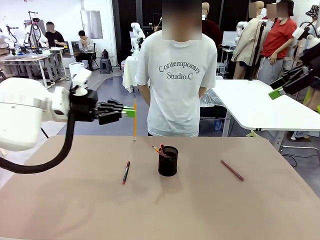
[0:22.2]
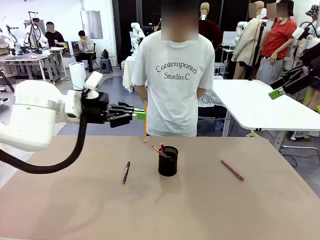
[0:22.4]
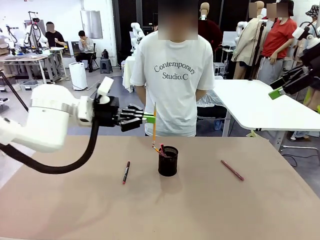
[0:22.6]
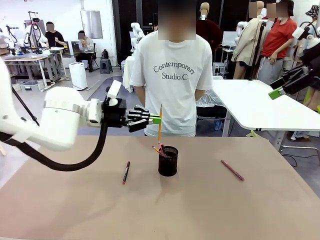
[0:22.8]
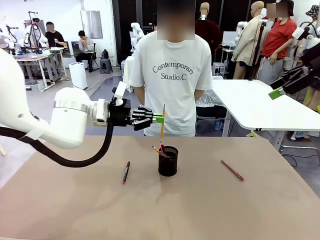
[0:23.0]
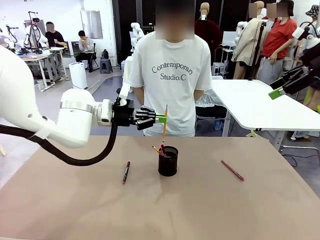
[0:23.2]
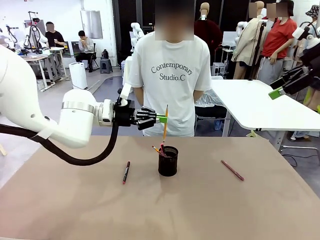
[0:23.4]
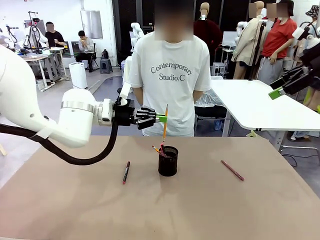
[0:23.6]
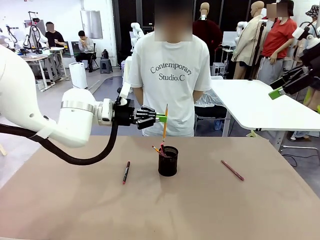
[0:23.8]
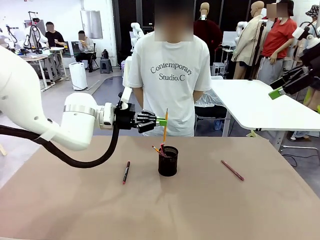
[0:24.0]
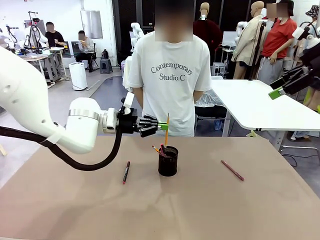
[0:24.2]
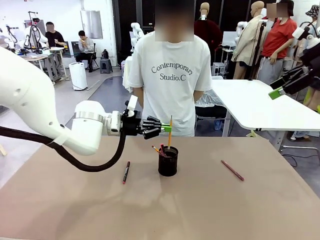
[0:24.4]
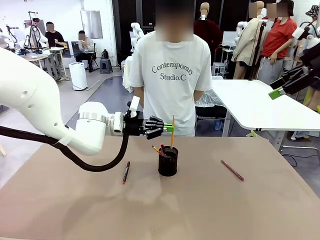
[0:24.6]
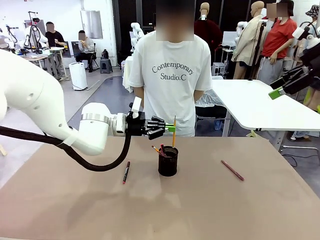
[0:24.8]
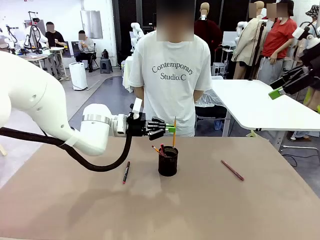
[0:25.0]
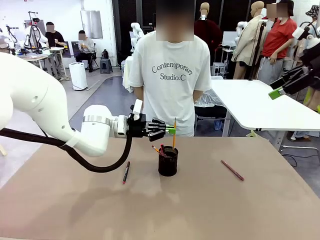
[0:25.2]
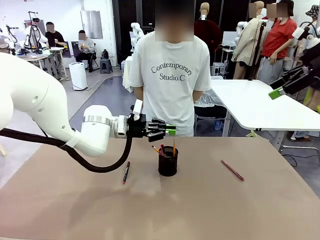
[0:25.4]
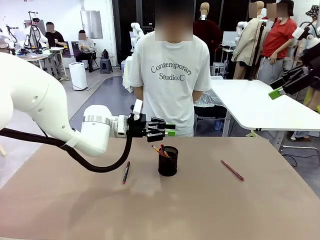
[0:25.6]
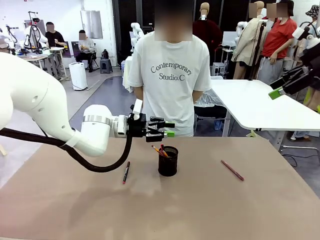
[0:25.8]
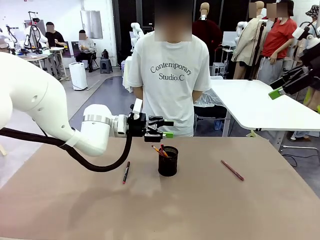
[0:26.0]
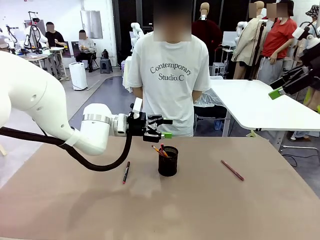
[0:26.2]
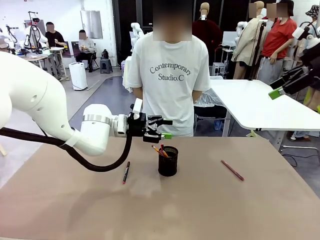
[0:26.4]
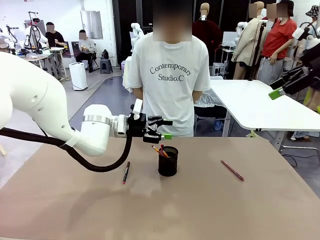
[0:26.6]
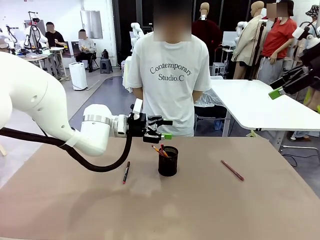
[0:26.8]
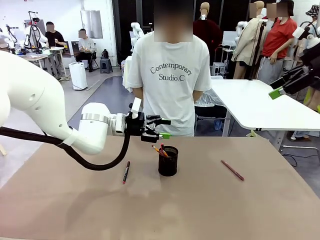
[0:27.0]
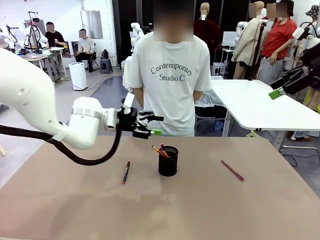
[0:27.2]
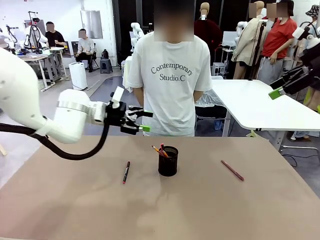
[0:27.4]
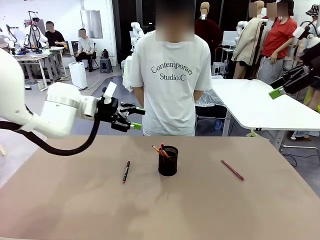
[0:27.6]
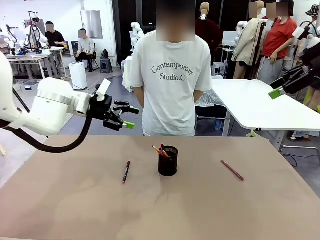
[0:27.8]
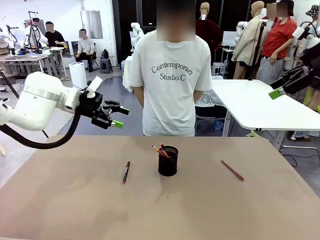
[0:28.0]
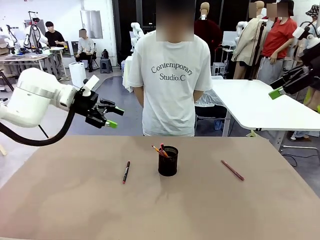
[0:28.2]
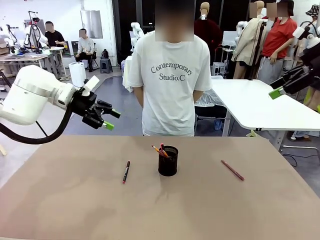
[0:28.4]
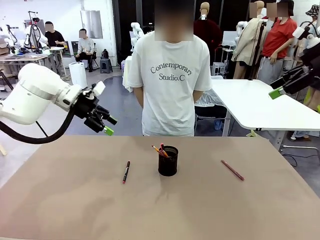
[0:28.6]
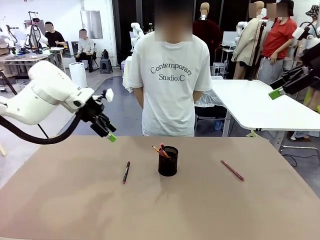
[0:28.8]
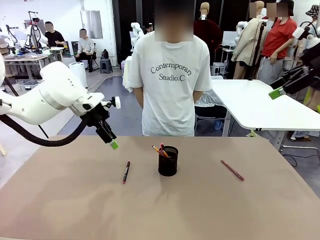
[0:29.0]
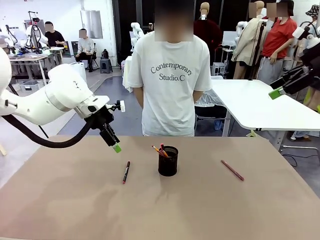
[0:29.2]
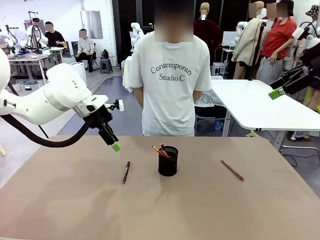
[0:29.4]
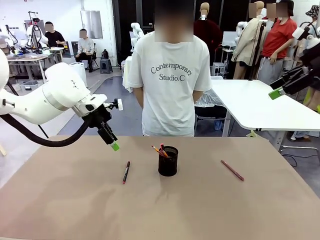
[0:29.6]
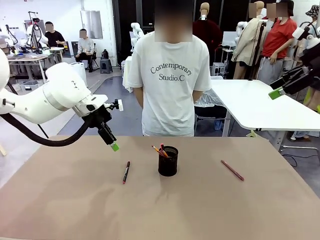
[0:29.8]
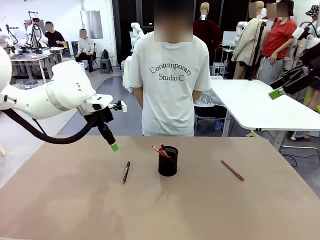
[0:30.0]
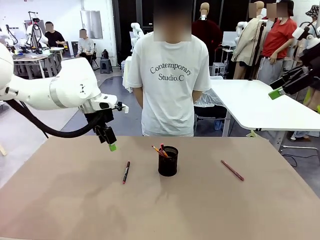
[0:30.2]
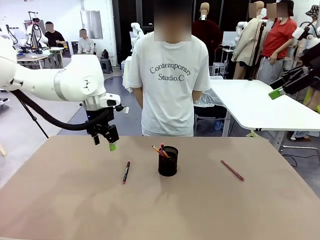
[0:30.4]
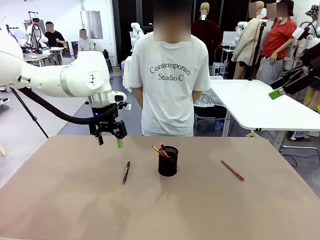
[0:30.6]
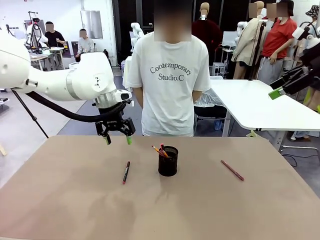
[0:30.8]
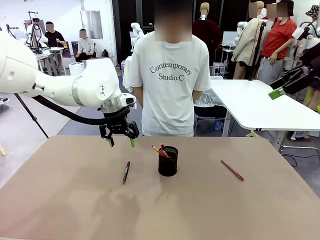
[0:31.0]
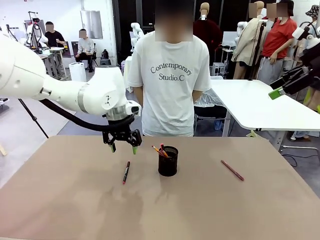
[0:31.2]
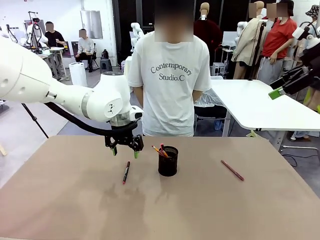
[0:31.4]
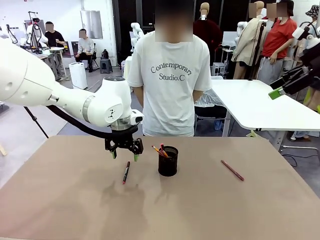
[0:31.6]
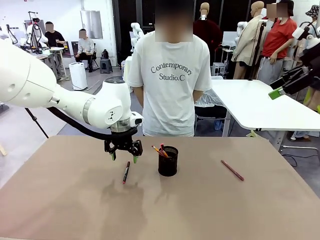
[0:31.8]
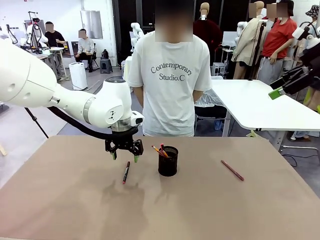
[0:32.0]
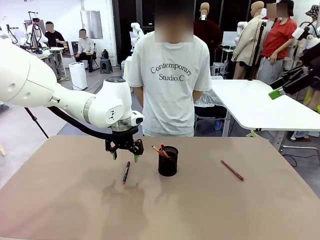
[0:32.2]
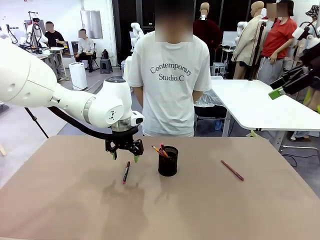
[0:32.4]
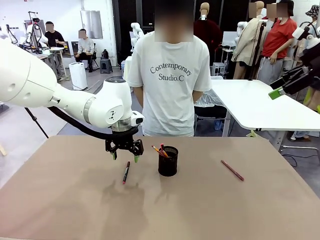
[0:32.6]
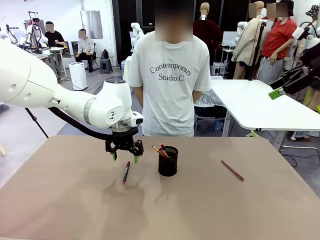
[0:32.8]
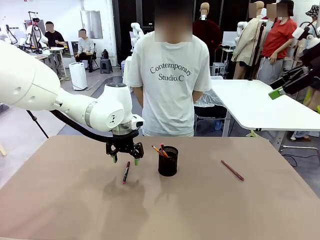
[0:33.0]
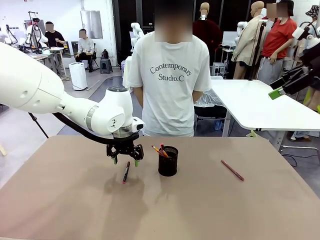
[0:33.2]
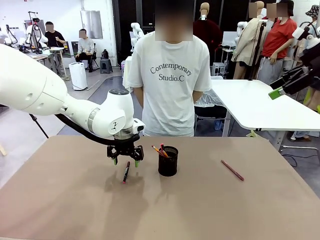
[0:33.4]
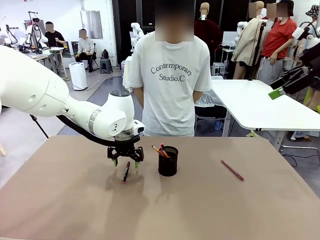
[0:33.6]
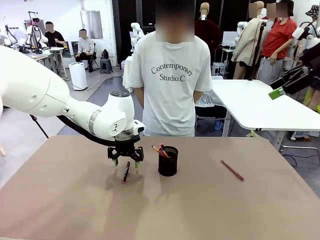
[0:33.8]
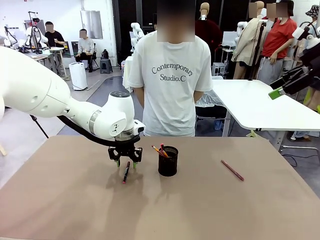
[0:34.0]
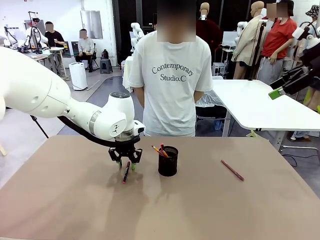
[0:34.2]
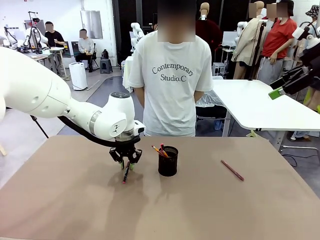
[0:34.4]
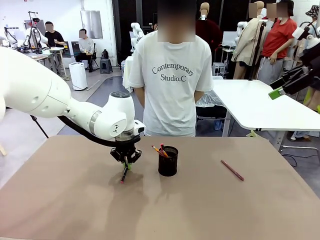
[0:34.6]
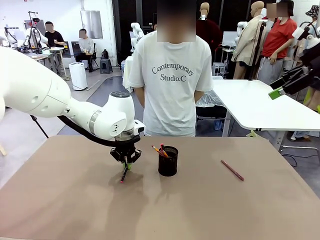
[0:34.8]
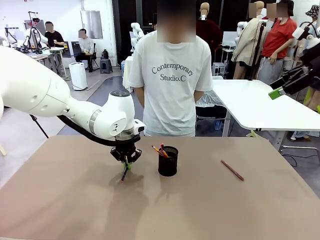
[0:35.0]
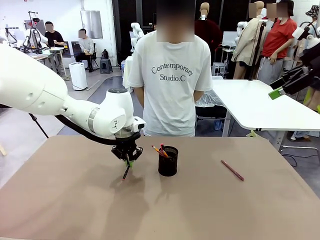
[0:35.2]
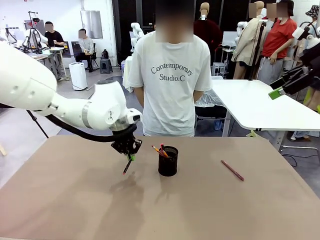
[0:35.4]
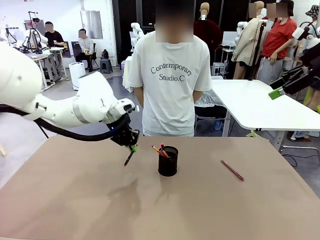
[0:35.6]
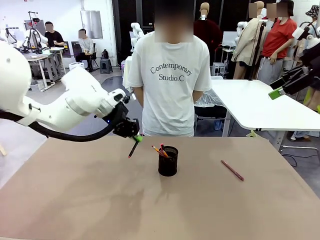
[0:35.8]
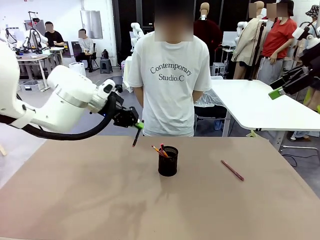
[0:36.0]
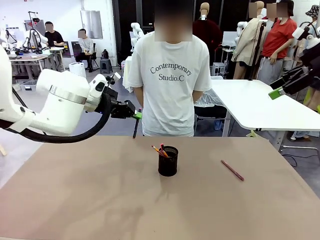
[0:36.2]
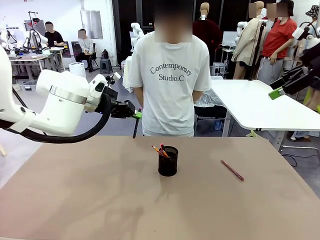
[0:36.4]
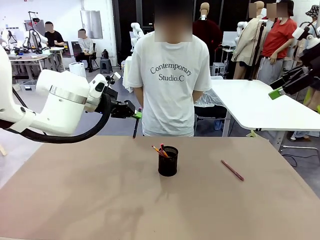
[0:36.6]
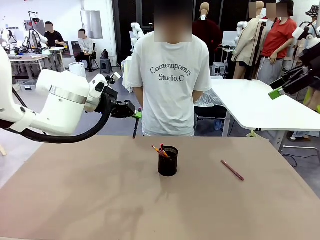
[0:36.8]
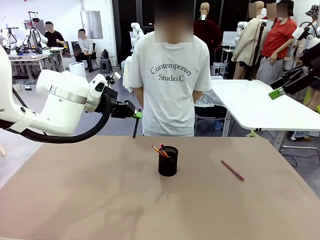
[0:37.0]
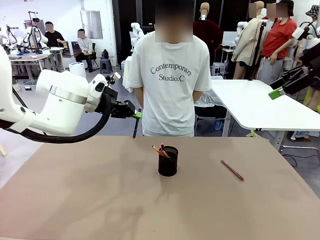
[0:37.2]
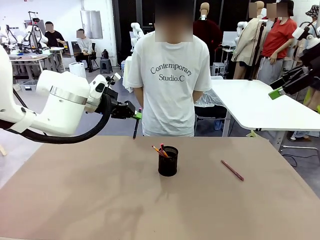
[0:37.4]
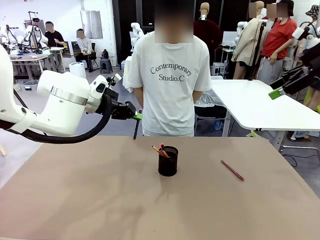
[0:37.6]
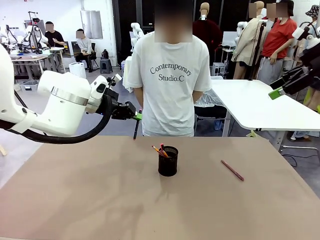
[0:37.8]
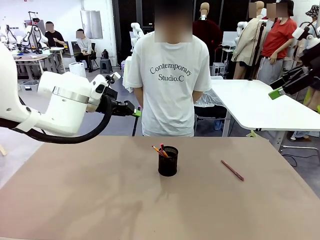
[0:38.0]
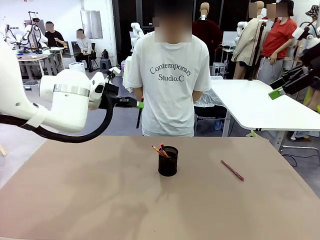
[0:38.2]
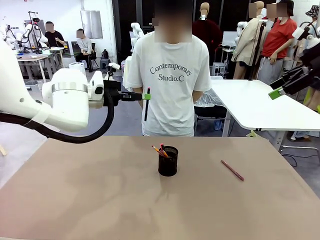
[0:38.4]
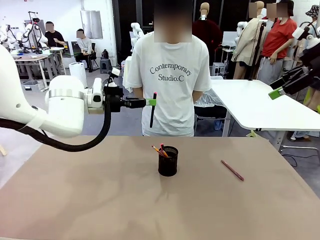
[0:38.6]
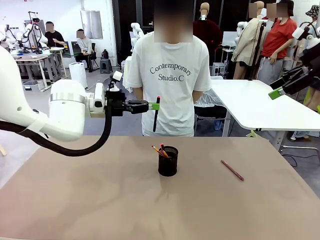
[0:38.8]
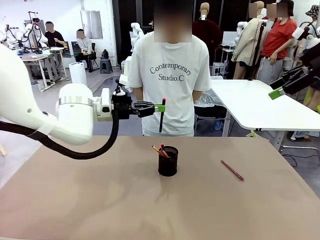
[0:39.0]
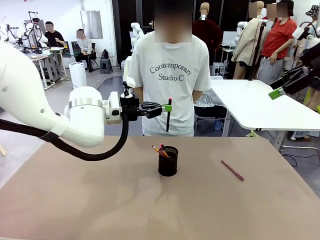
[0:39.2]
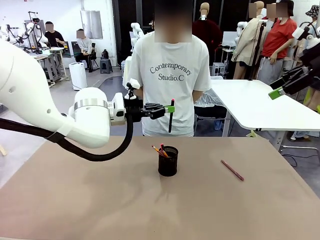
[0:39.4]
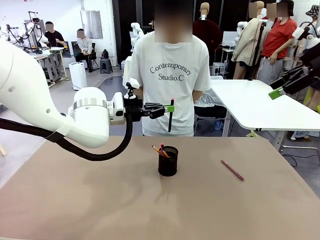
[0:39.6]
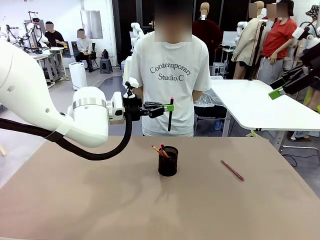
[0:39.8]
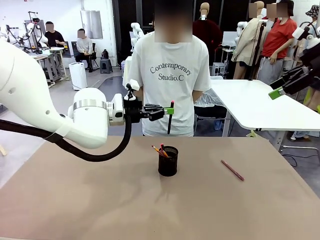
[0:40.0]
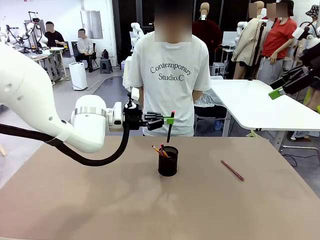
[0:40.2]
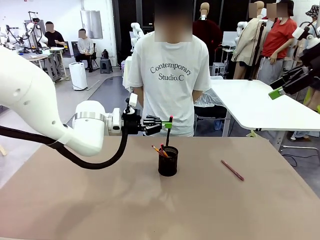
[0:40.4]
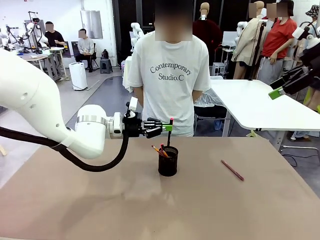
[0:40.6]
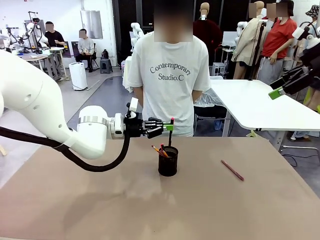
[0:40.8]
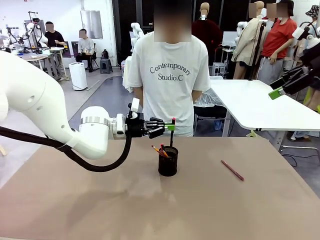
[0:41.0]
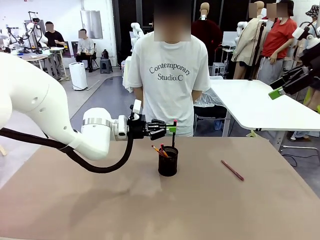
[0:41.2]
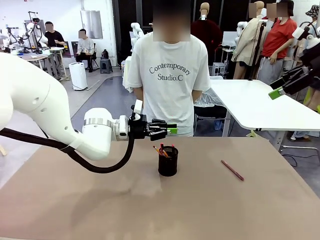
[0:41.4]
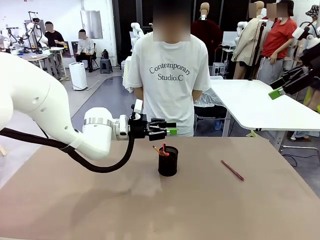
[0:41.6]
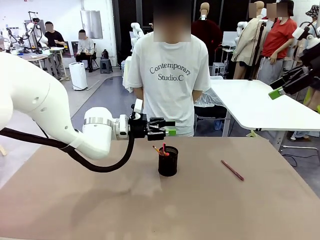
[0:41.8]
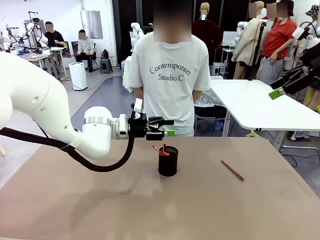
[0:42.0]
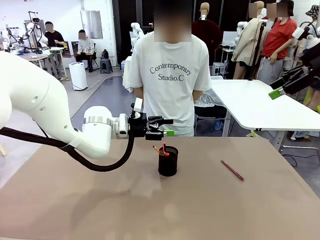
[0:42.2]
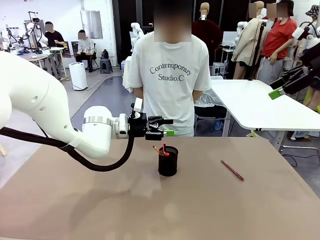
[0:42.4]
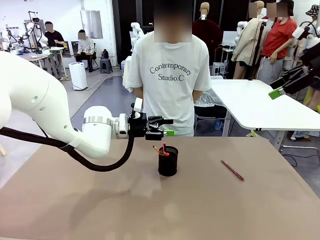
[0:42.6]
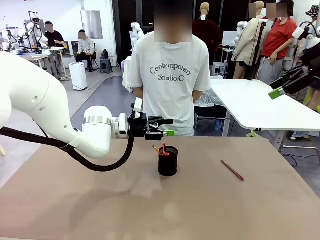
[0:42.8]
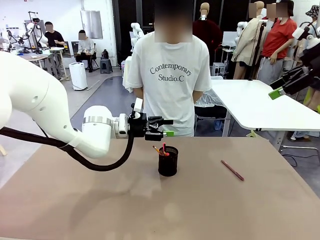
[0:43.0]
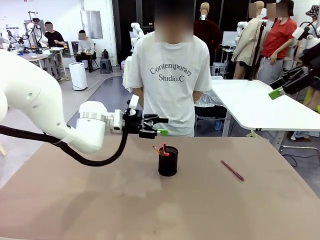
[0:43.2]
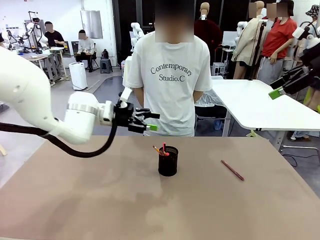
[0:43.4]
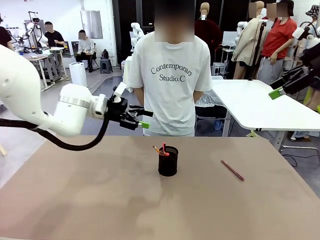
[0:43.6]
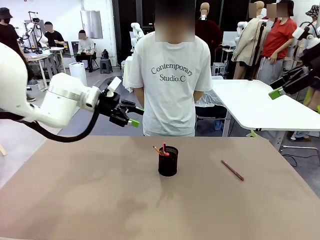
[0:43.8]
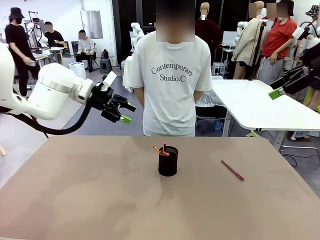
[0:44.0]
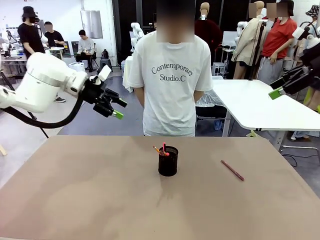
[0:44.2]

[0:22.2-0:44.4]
Task: Place the pens into the pen holder.
Robot: Pick up a writing instrument from the table and place it into the Pen holder.
